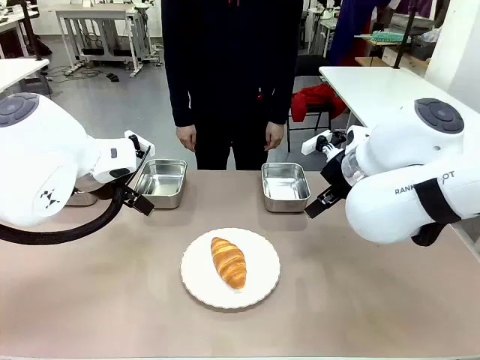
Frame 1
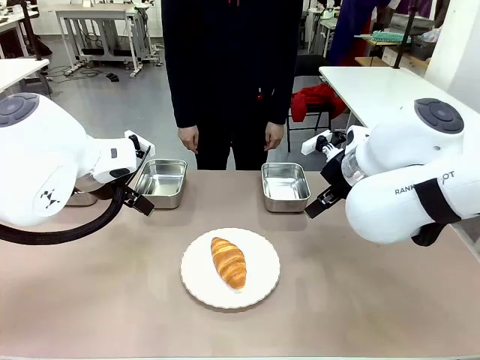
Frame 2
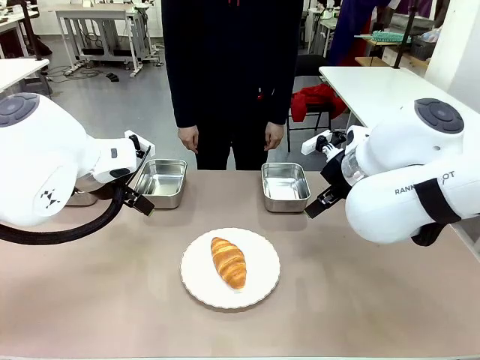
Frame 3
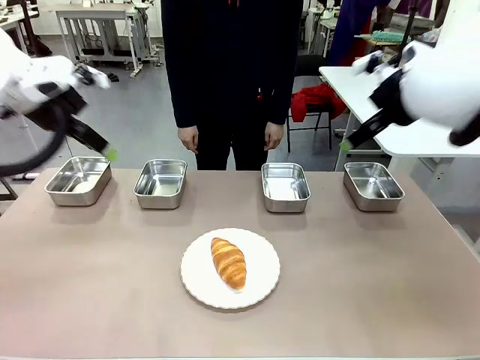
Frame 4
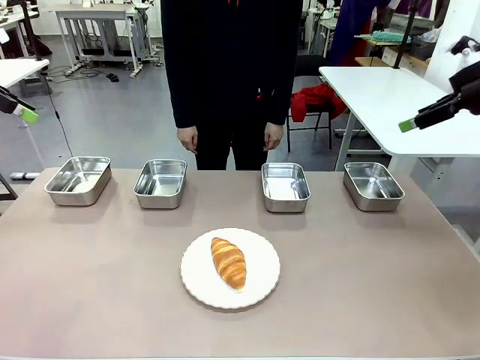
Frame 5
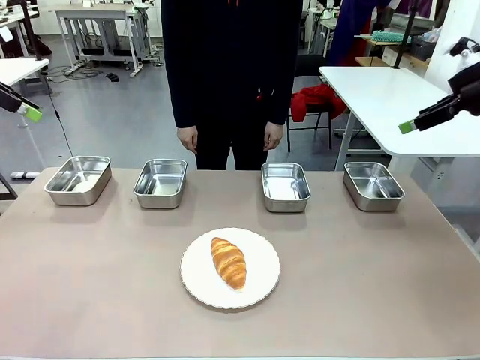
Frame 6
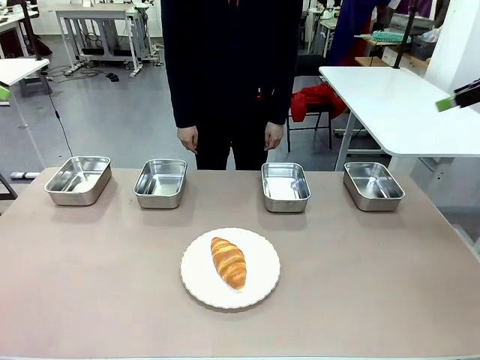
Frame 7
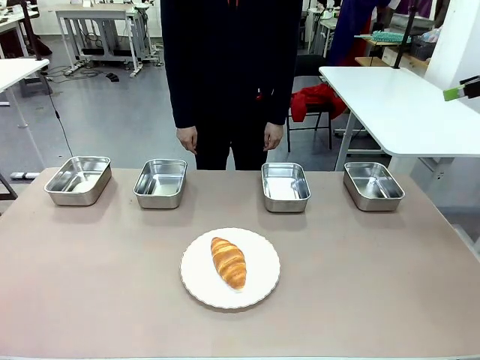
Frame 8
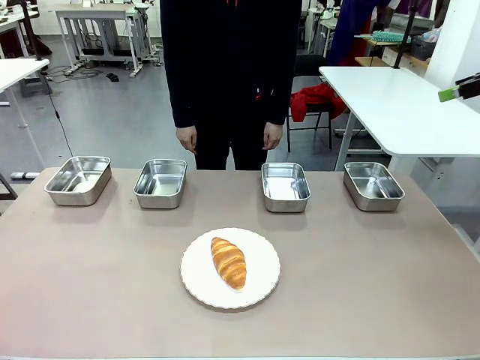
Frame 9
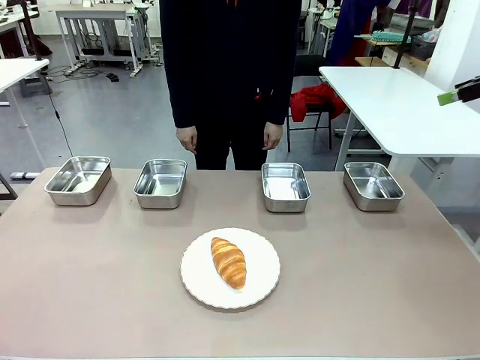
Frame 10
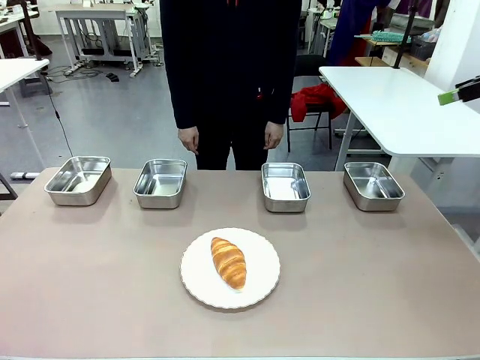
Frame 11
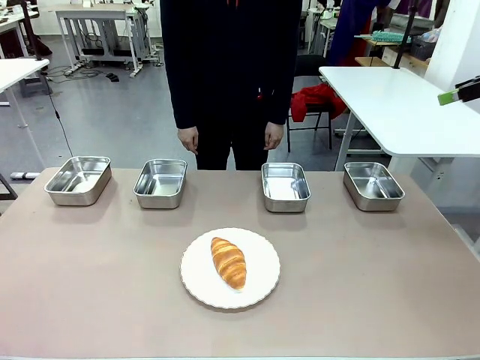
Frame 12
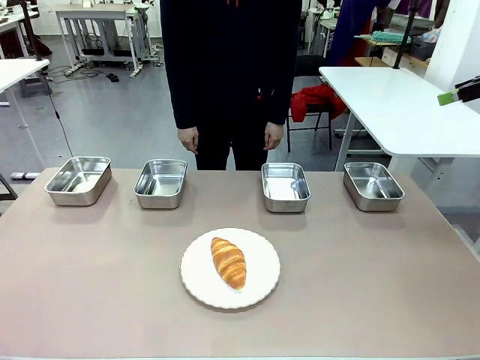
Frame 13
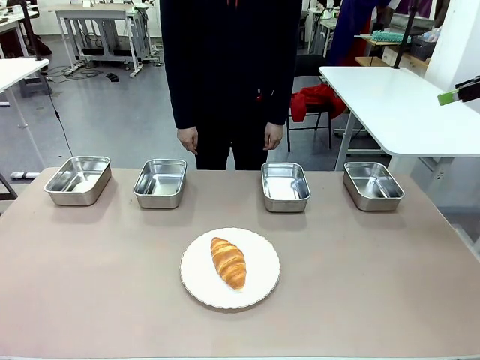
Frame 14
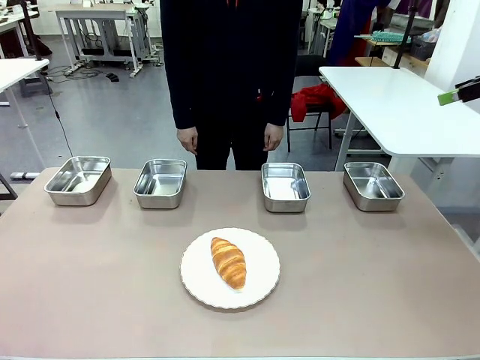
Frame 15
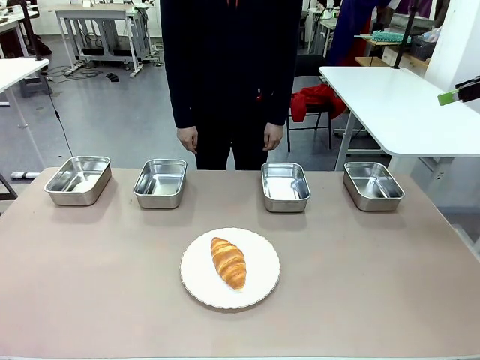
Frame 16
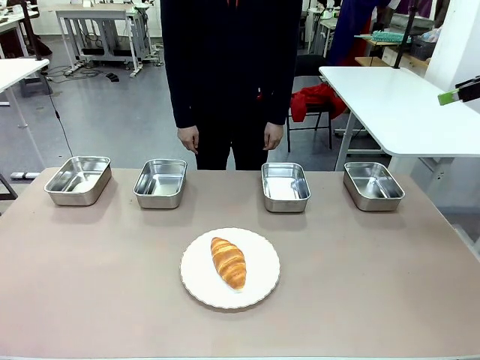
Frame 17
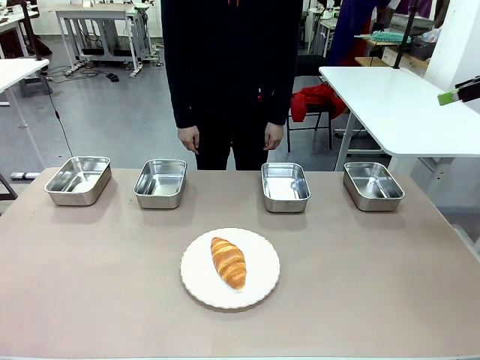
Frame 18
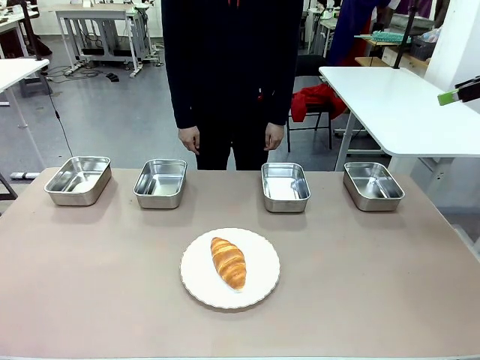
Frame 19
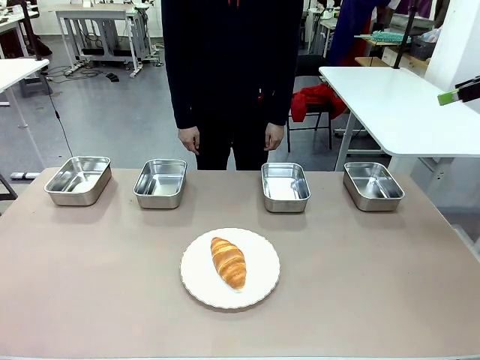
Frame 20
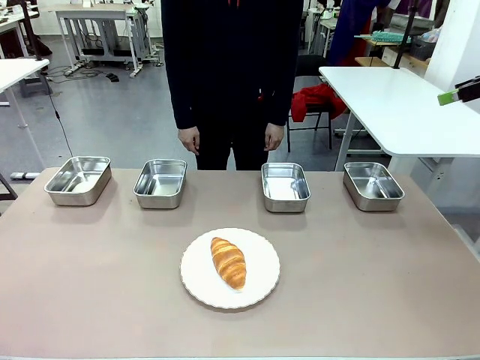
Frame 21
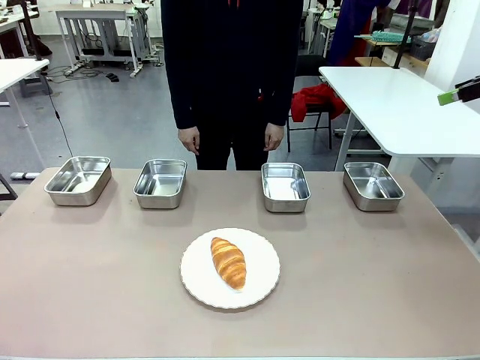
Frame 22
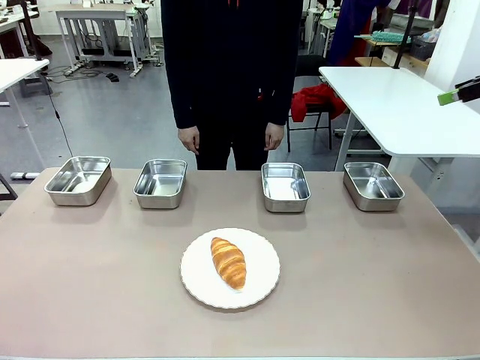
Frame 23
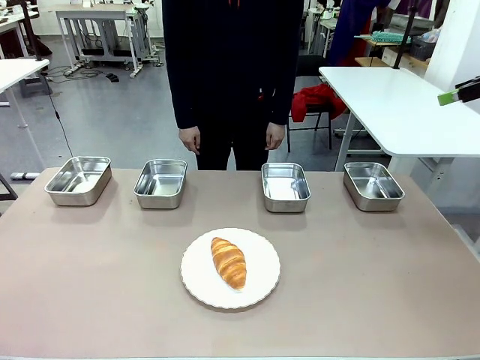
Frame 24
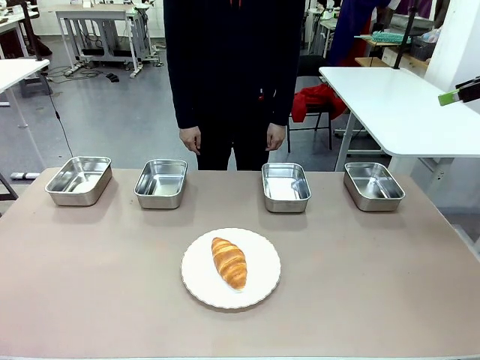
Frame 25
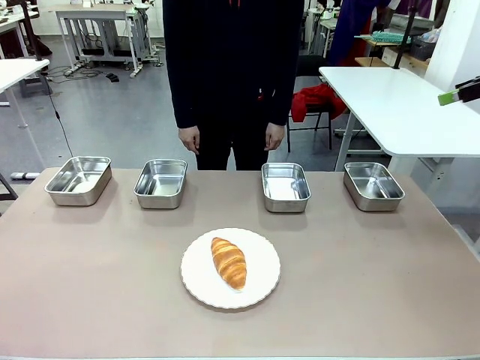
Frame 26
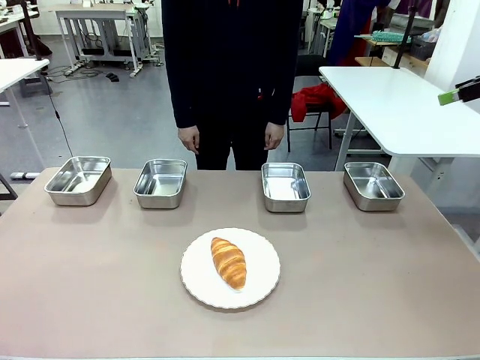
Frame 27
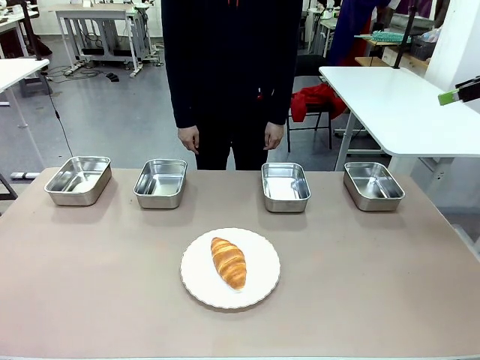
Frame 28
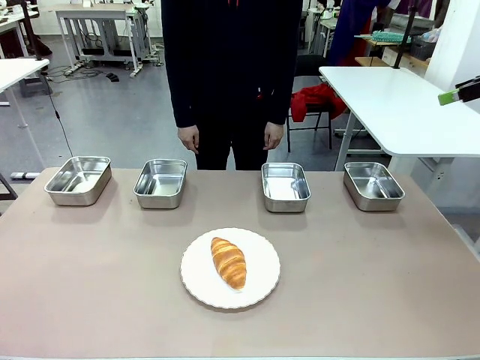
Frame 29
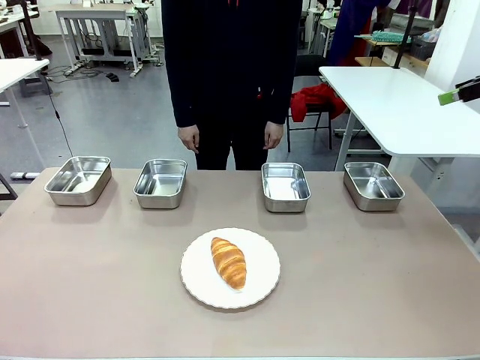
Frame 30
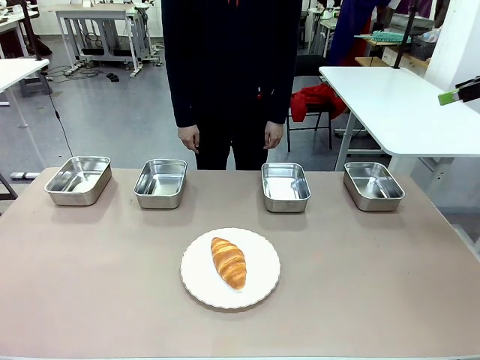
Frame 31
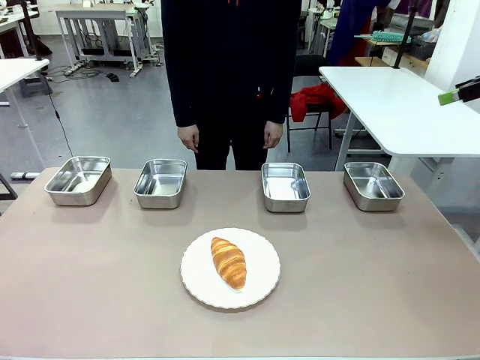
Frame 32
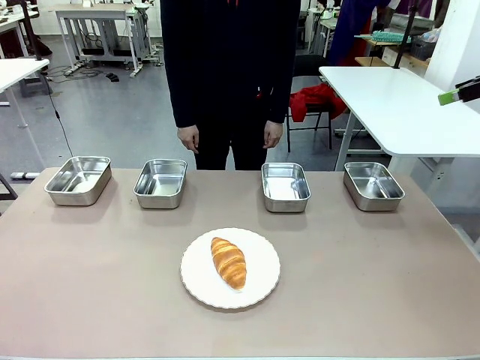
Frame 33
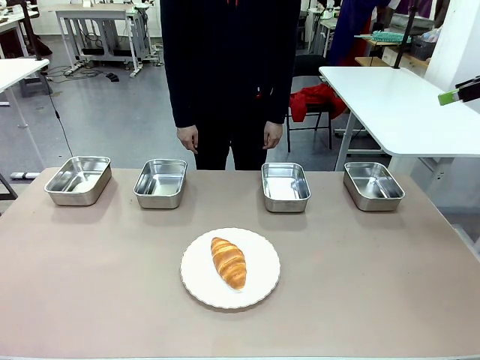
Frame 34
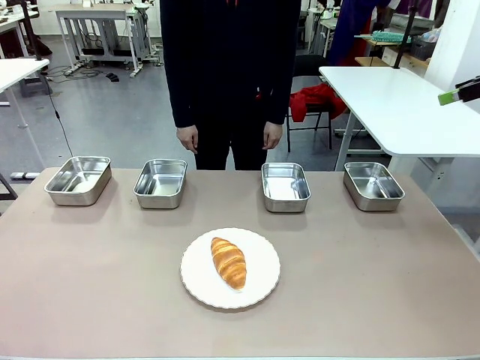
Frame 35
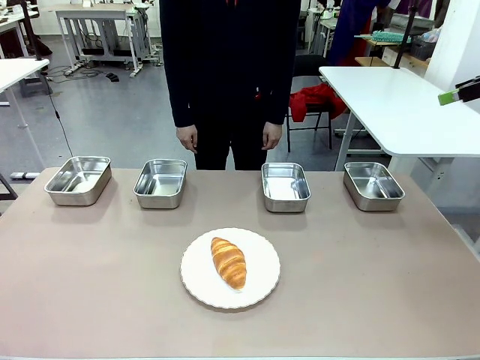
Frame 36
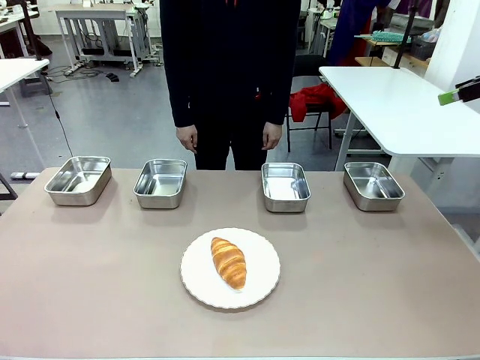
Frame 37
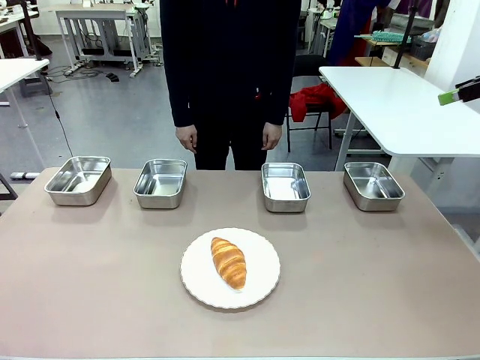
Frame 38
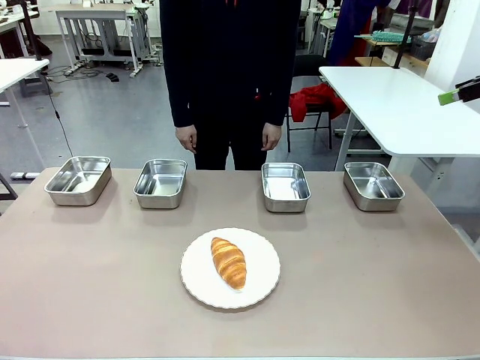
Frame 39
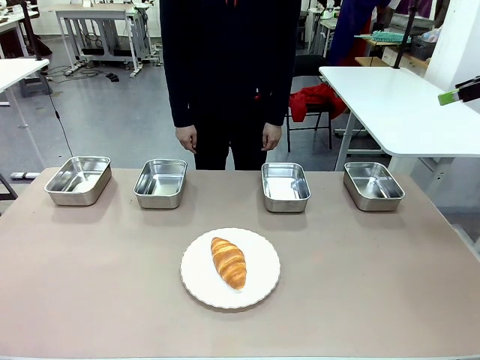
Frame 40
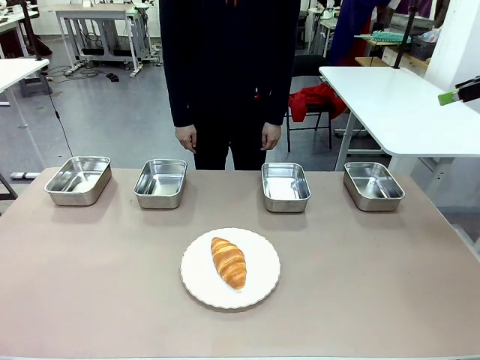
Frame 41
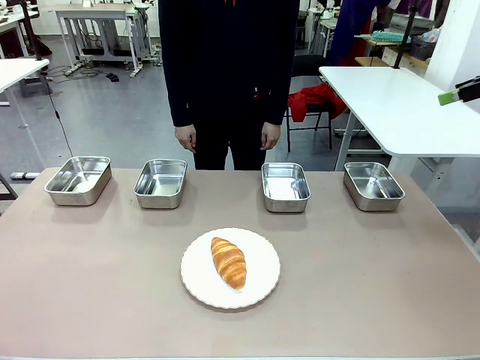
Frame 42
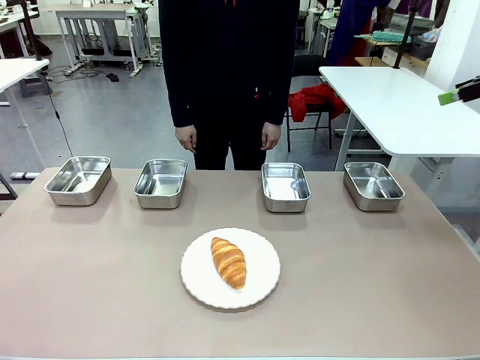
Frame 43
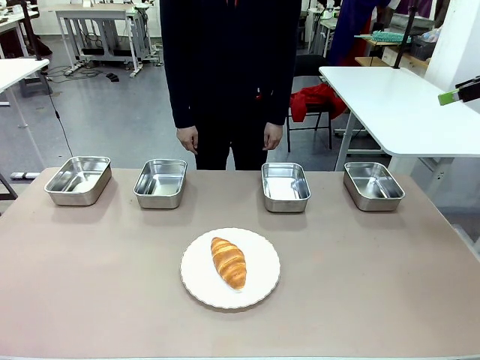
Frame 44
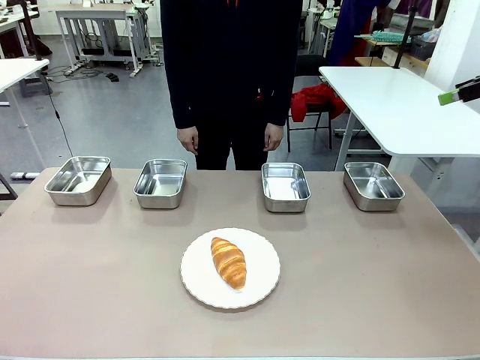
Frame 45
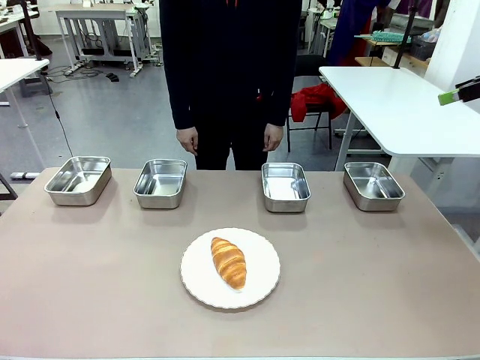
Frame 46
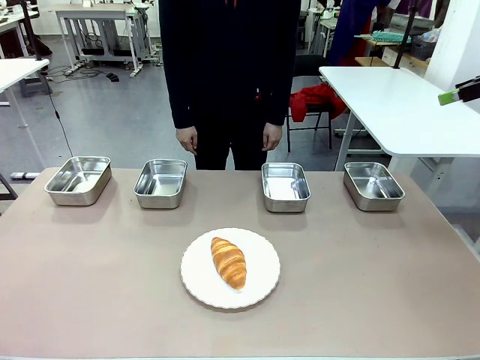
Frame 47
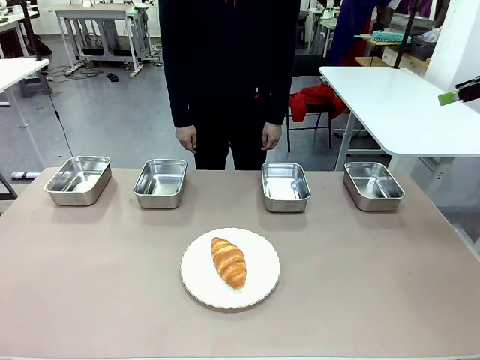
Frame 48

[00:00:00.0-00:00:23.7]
Task: Place the bread in the container.
Robot: Place the Butter Roll into the Airtight Container indicated by the human.
